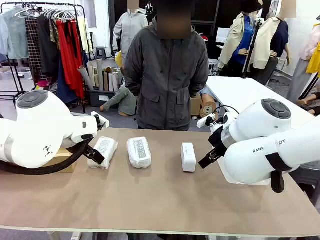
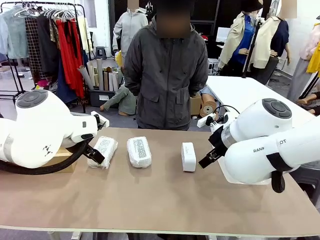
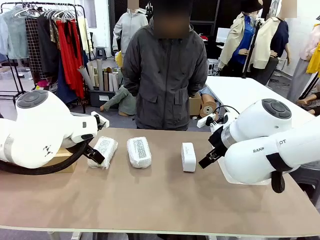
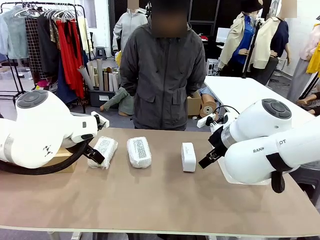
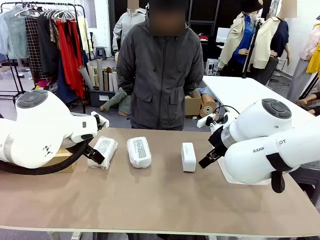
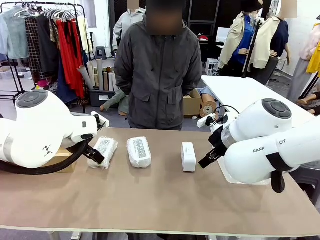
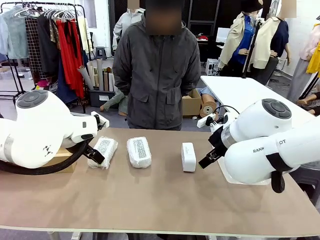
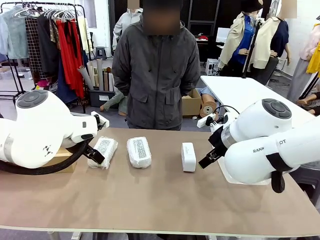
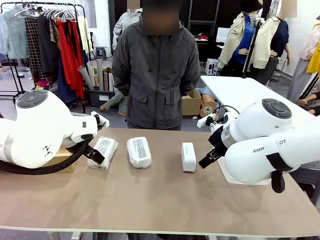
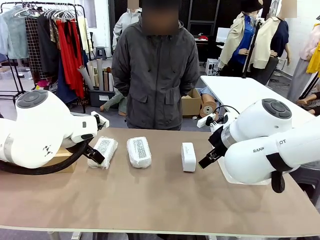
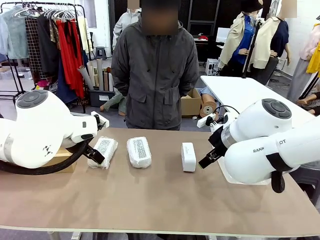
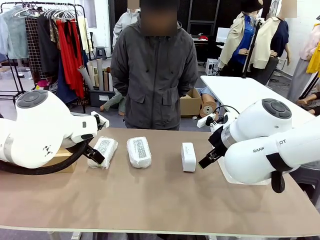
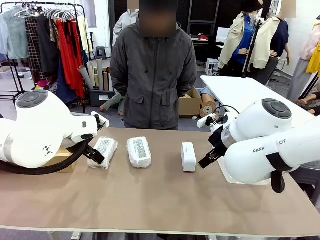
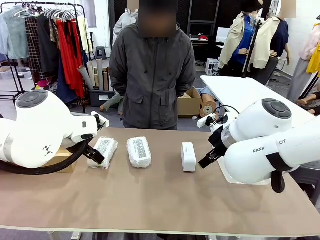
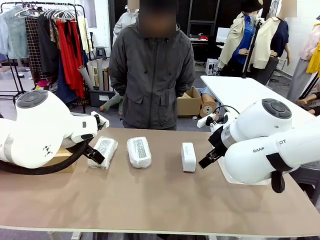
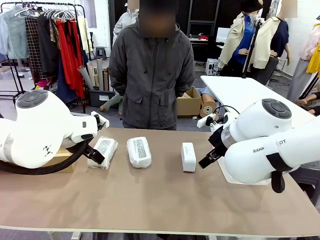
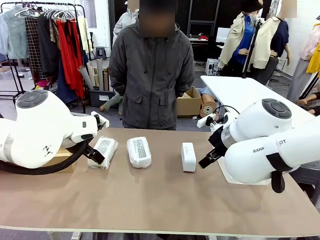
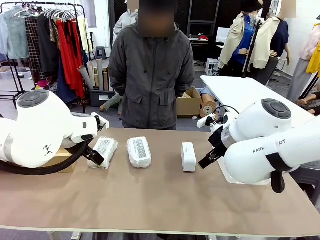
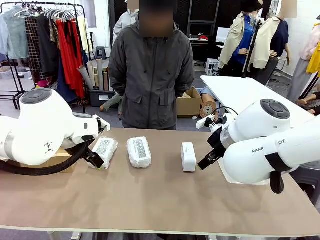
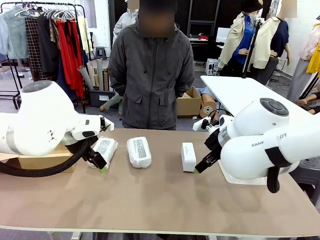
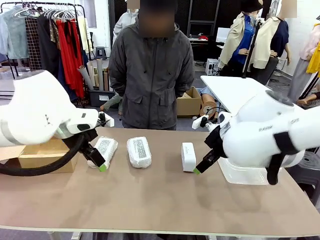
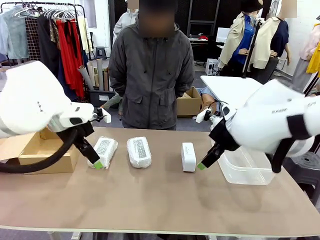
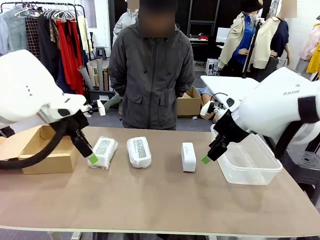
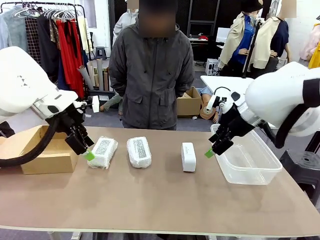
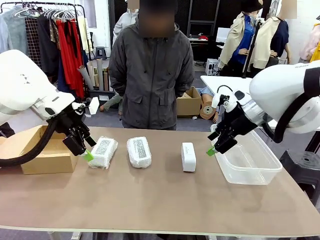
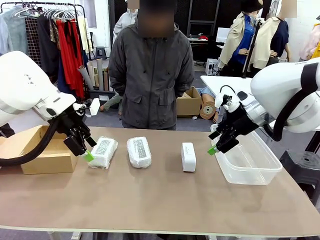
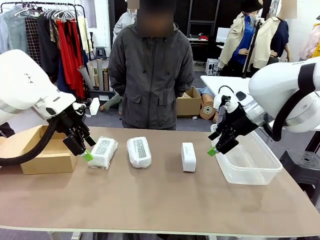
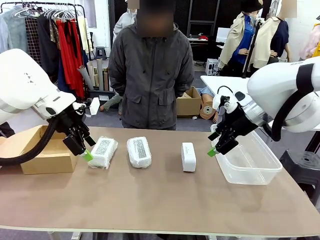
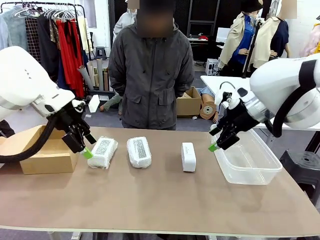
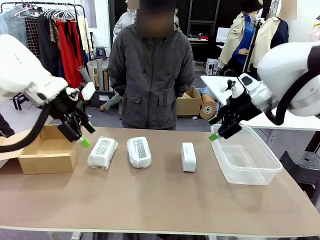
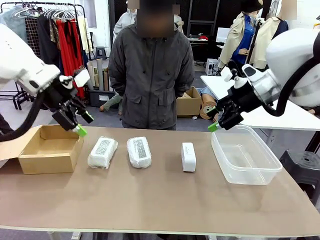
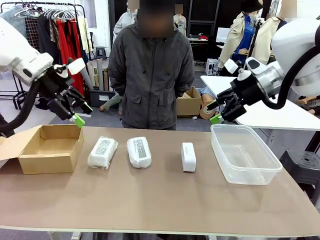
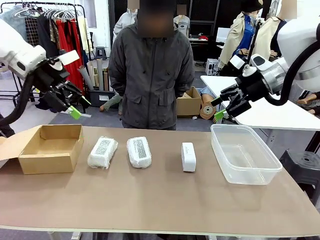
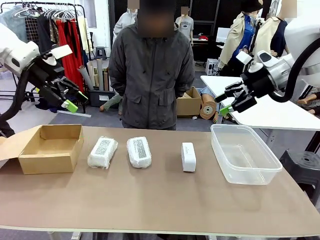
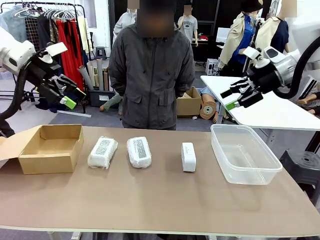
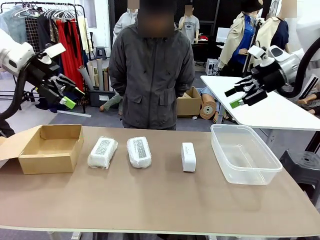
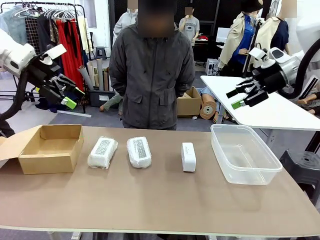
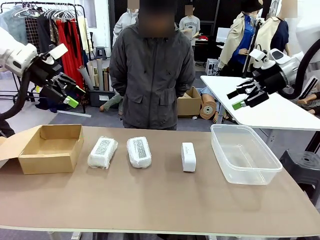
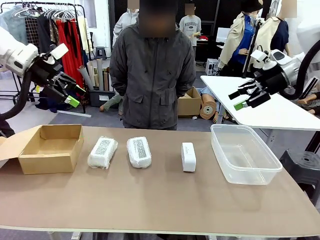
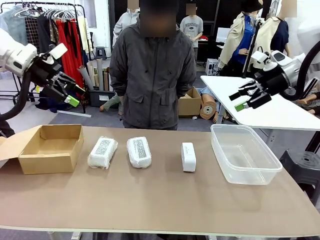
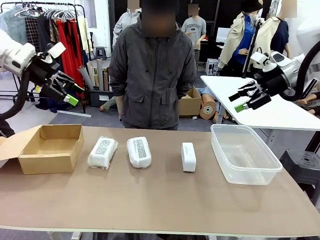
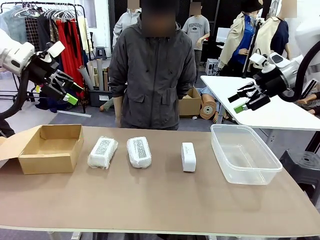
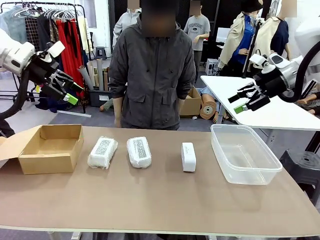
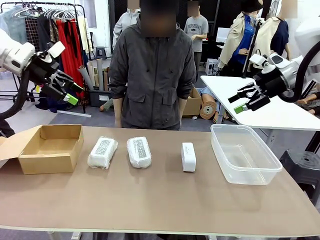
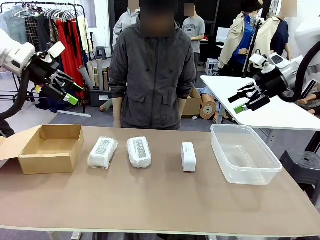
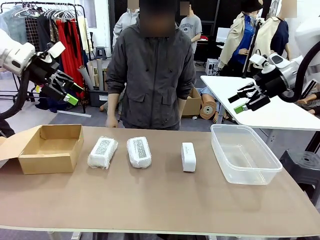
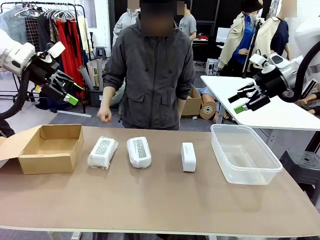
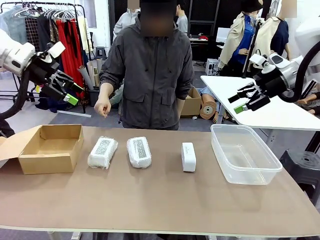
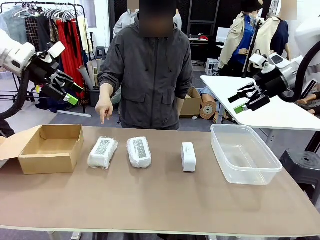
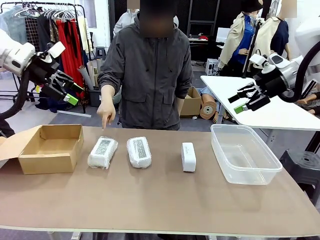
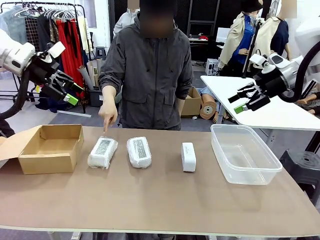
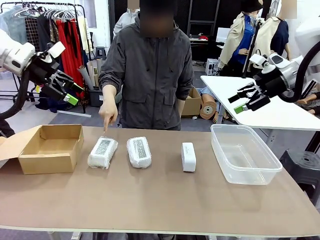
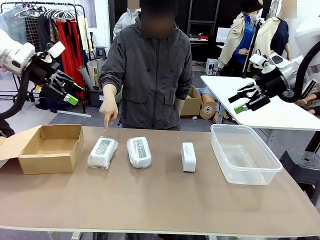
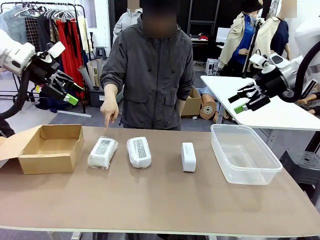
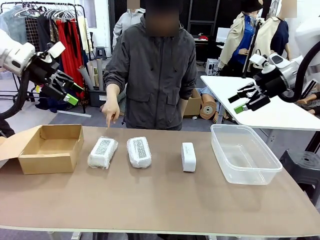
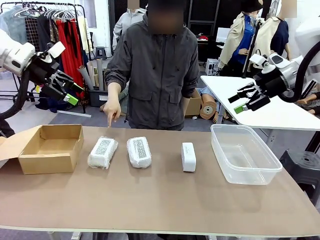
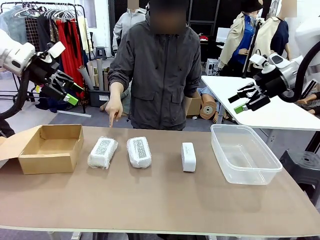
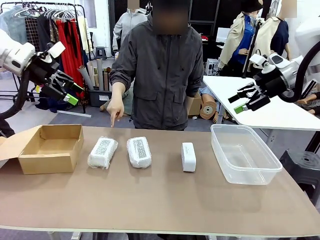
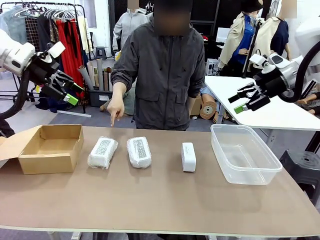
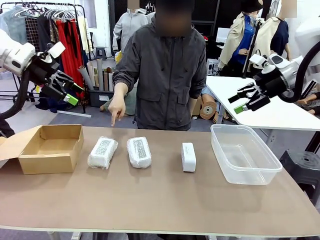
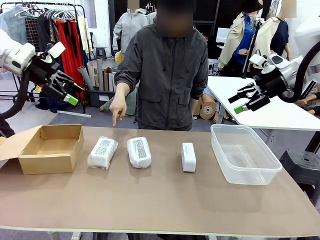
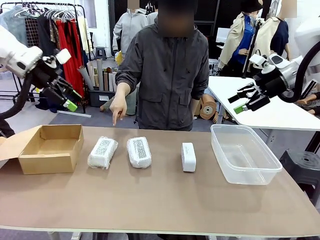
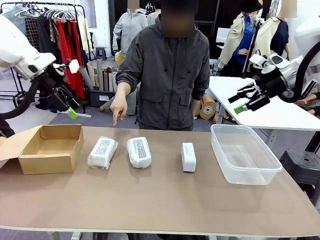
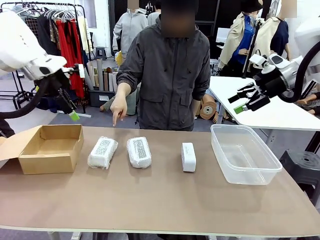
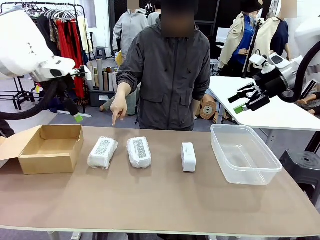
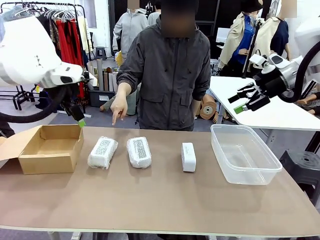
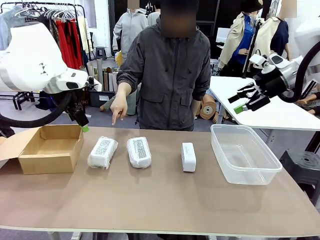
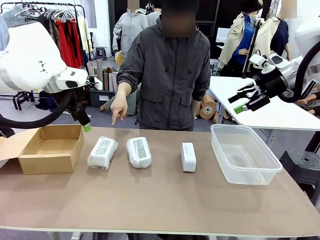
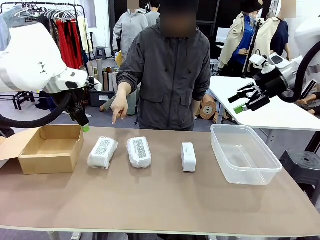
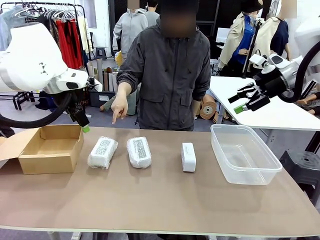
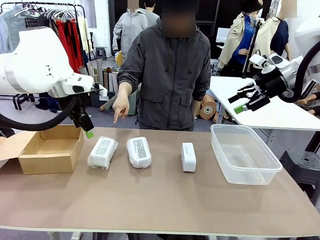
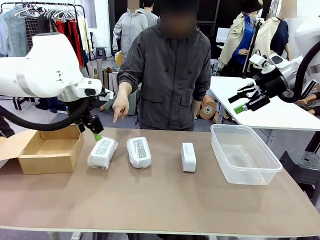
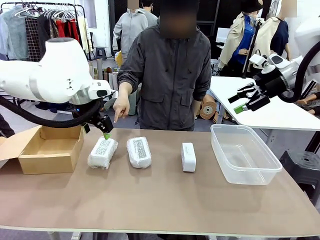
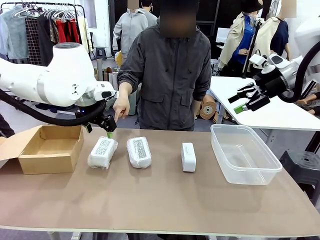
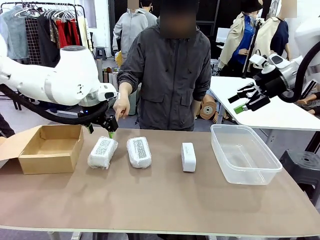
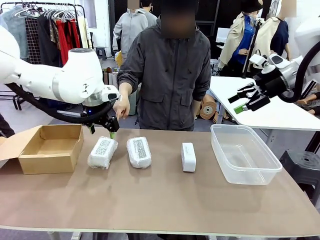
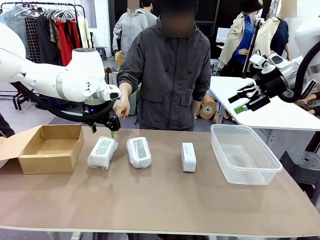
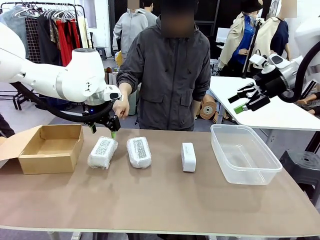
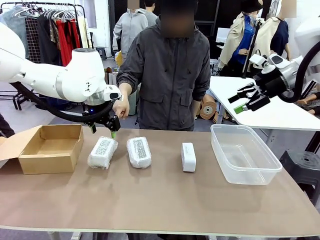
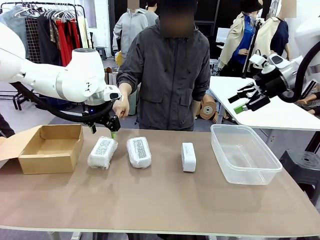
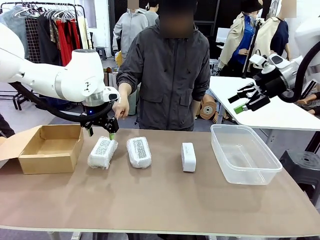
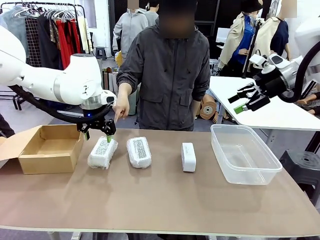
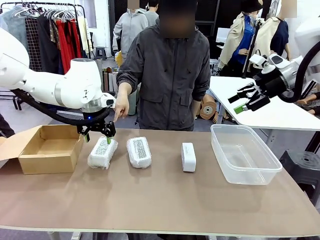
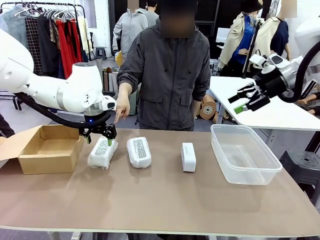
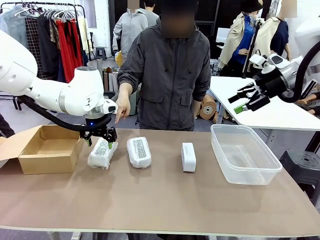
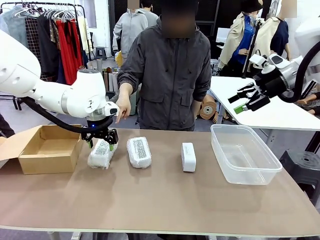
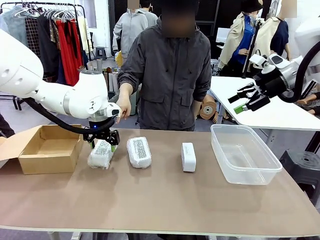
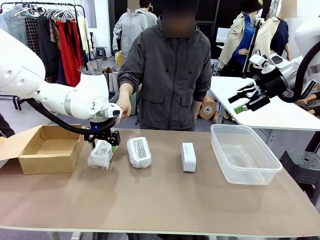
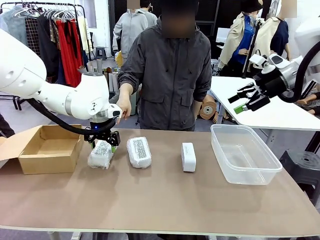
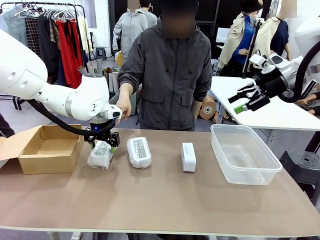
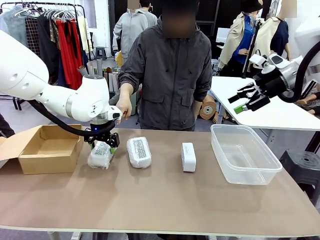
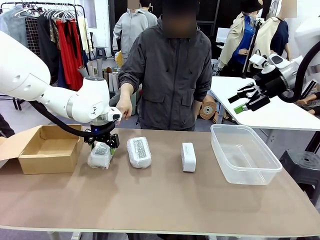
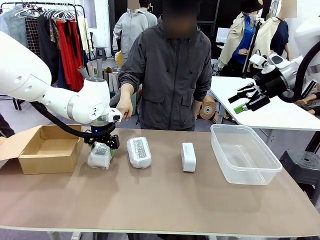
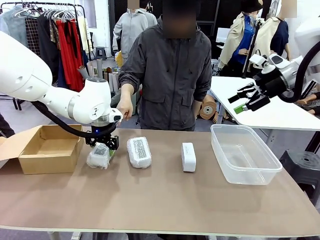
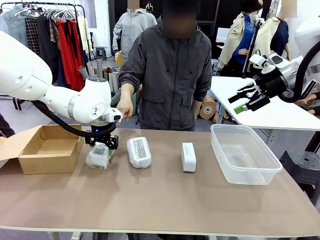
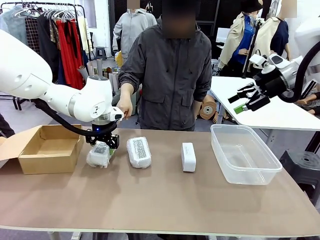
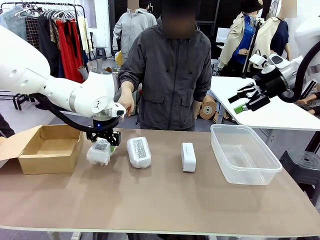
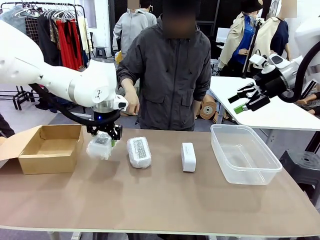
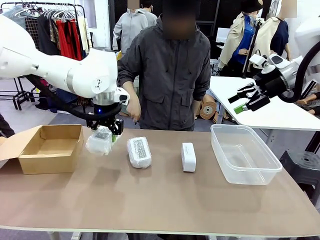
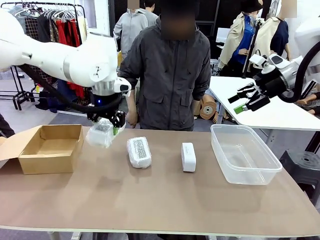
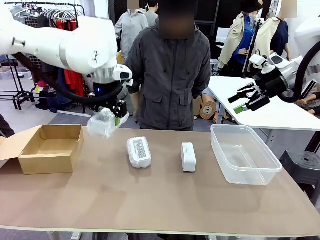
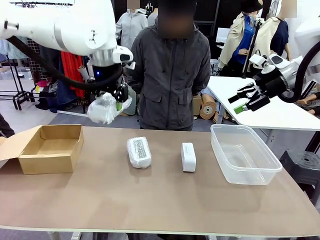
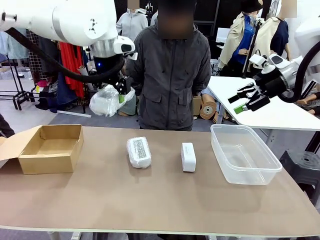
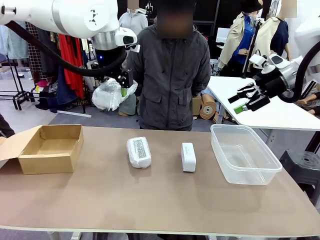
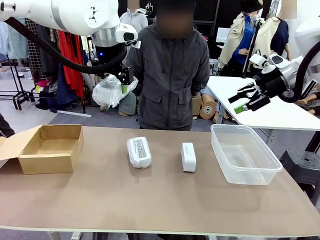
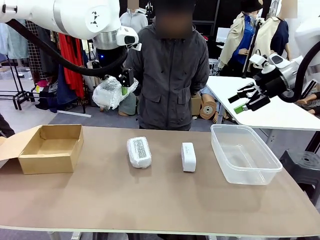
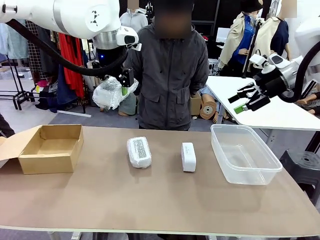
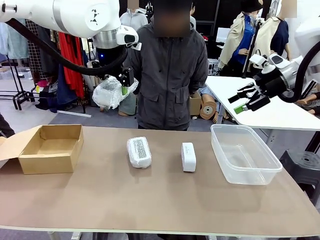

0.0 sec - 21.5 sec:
Task: Separate and place wrapped and unwrapped clocks.
Robot: Pick up the Digital clock indicated by the person.
